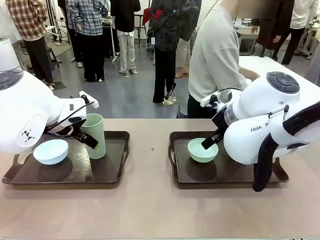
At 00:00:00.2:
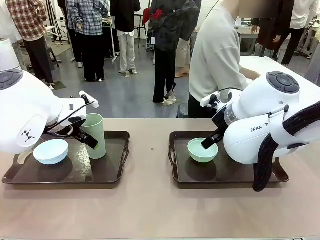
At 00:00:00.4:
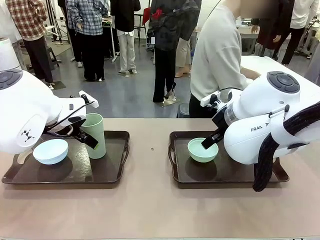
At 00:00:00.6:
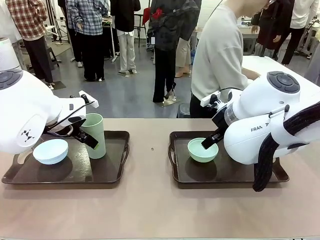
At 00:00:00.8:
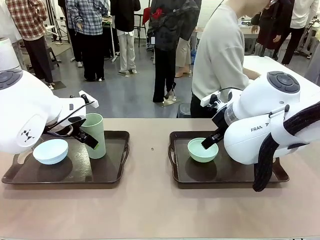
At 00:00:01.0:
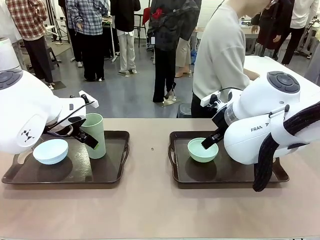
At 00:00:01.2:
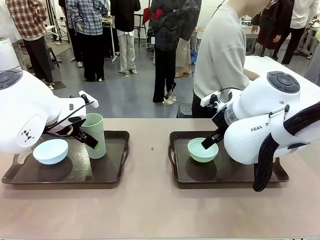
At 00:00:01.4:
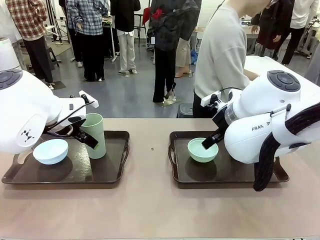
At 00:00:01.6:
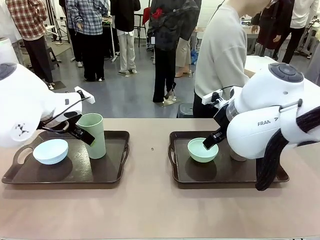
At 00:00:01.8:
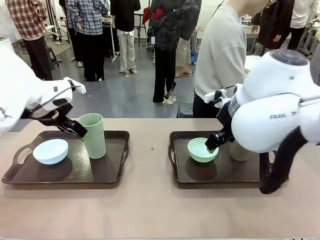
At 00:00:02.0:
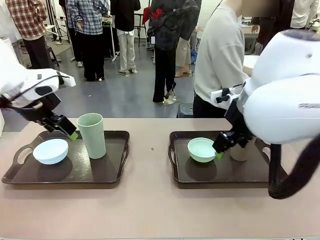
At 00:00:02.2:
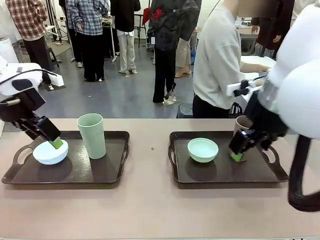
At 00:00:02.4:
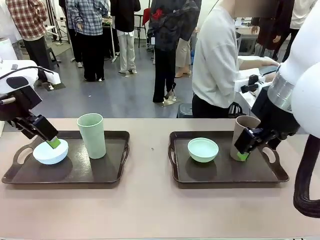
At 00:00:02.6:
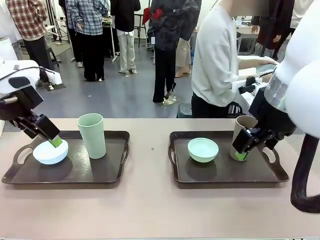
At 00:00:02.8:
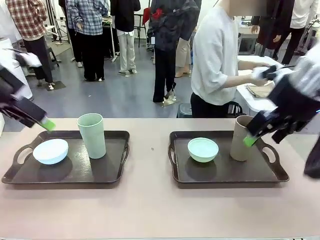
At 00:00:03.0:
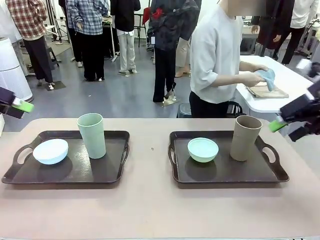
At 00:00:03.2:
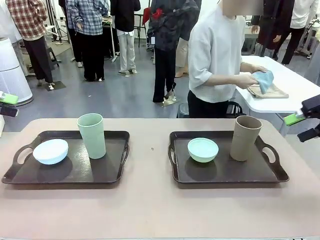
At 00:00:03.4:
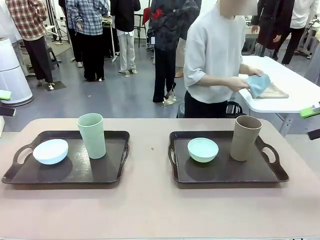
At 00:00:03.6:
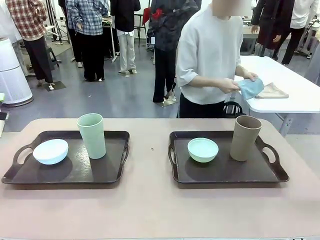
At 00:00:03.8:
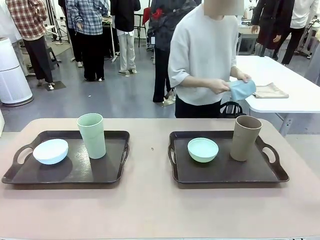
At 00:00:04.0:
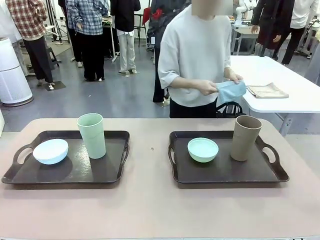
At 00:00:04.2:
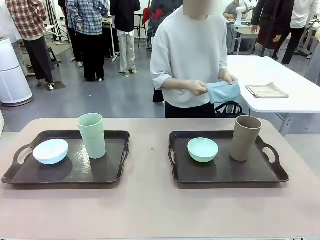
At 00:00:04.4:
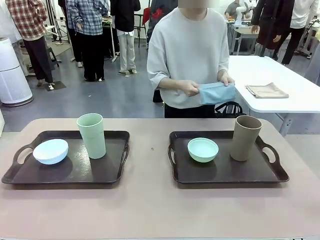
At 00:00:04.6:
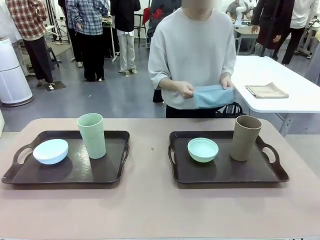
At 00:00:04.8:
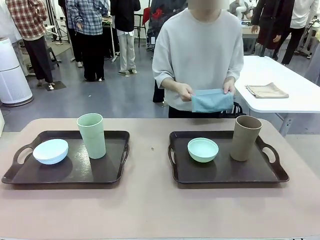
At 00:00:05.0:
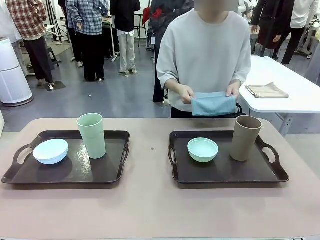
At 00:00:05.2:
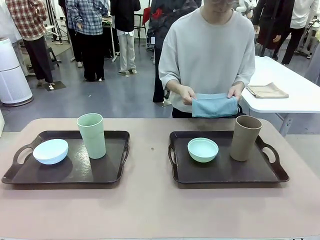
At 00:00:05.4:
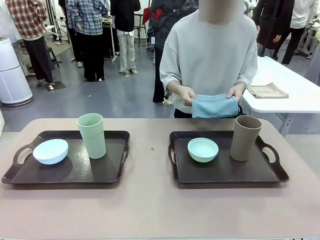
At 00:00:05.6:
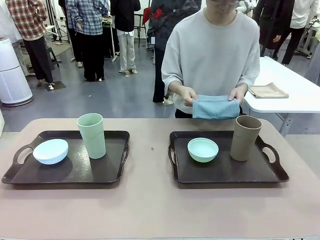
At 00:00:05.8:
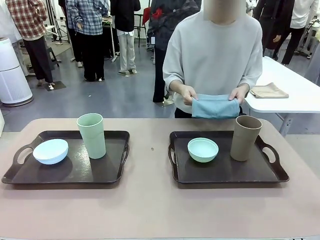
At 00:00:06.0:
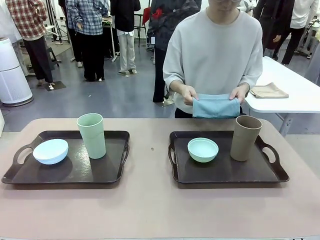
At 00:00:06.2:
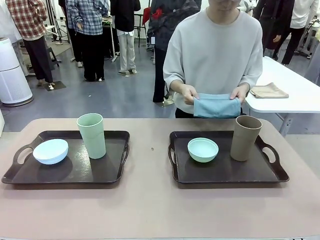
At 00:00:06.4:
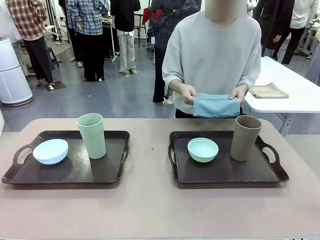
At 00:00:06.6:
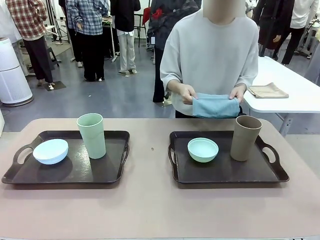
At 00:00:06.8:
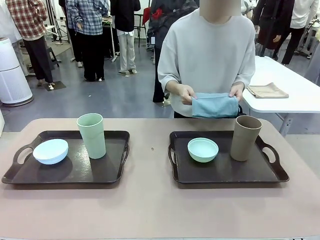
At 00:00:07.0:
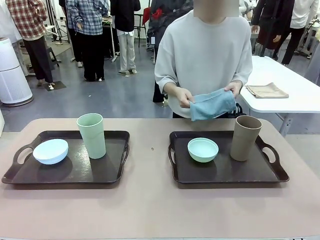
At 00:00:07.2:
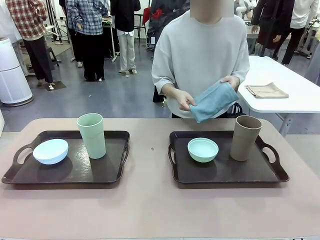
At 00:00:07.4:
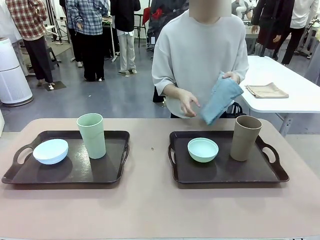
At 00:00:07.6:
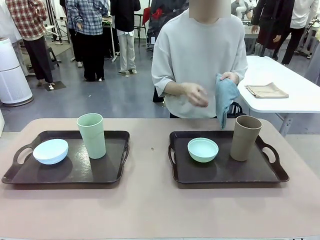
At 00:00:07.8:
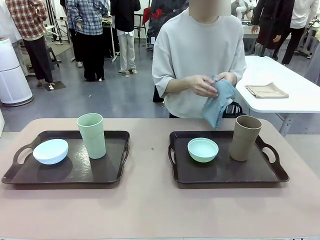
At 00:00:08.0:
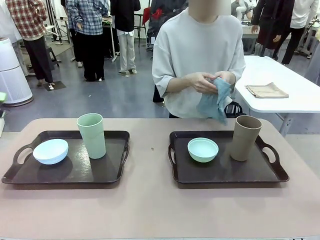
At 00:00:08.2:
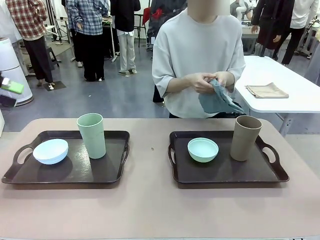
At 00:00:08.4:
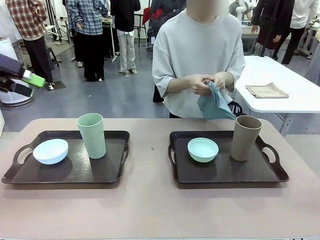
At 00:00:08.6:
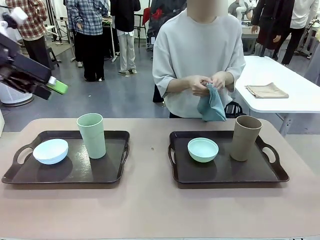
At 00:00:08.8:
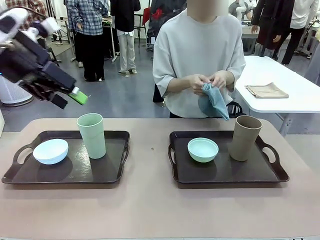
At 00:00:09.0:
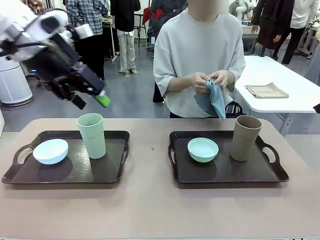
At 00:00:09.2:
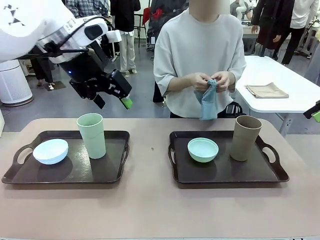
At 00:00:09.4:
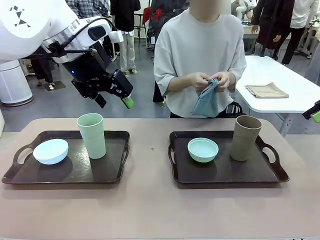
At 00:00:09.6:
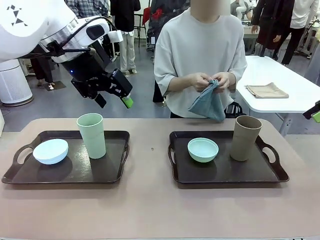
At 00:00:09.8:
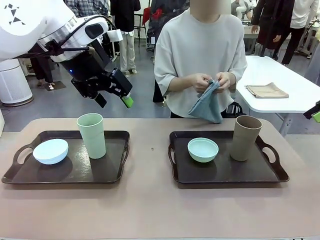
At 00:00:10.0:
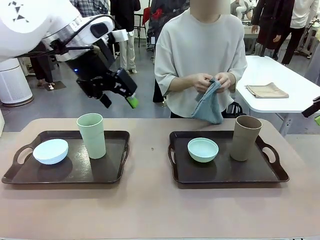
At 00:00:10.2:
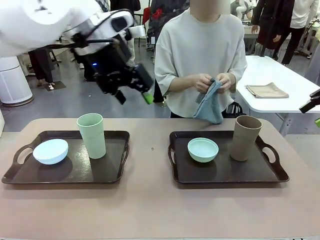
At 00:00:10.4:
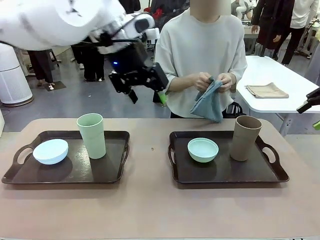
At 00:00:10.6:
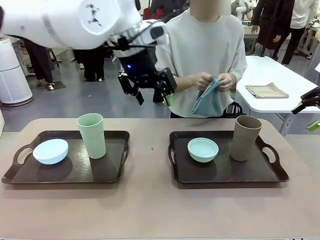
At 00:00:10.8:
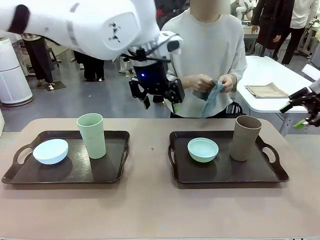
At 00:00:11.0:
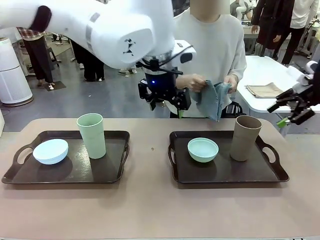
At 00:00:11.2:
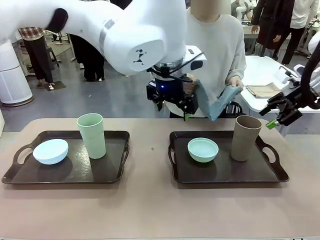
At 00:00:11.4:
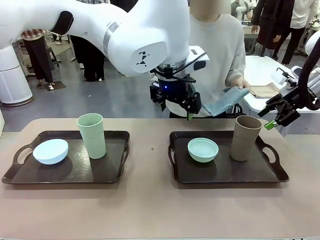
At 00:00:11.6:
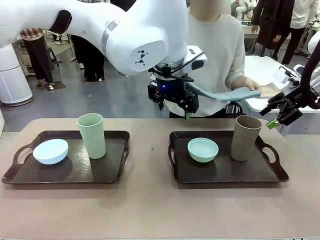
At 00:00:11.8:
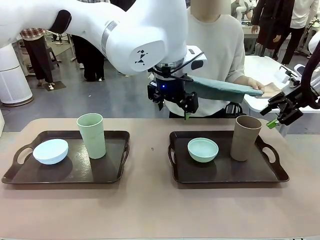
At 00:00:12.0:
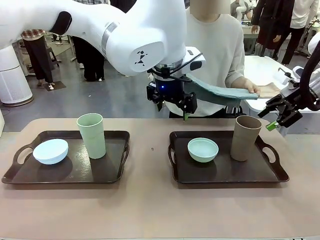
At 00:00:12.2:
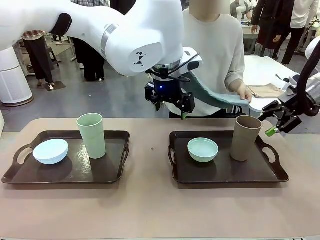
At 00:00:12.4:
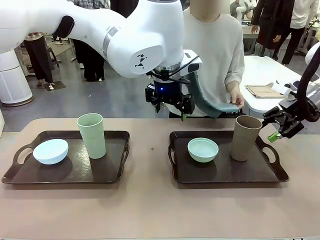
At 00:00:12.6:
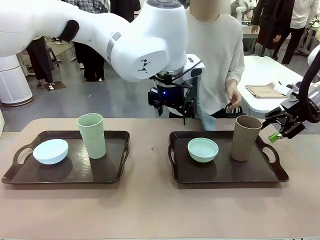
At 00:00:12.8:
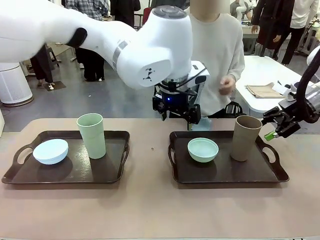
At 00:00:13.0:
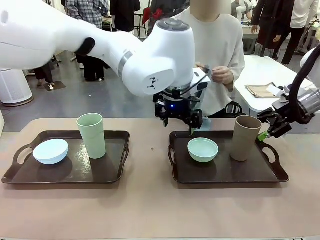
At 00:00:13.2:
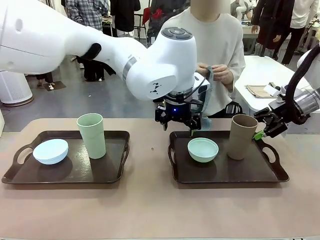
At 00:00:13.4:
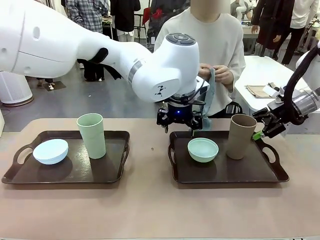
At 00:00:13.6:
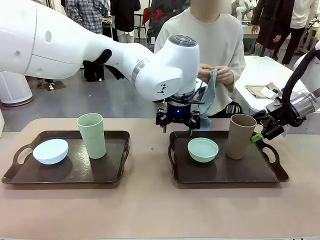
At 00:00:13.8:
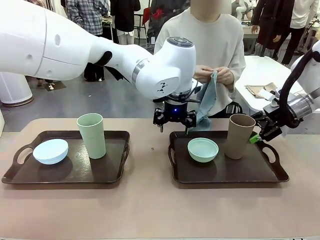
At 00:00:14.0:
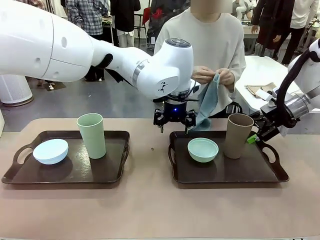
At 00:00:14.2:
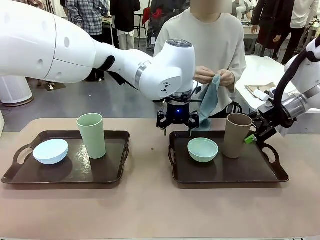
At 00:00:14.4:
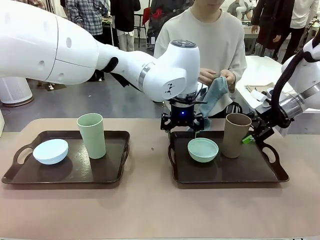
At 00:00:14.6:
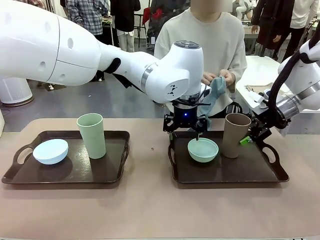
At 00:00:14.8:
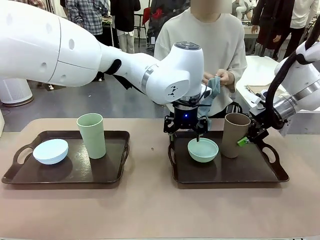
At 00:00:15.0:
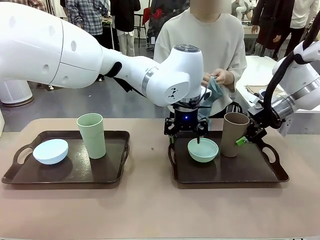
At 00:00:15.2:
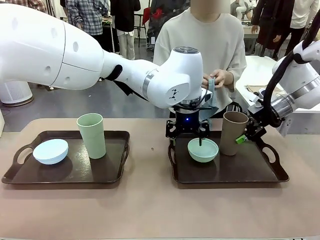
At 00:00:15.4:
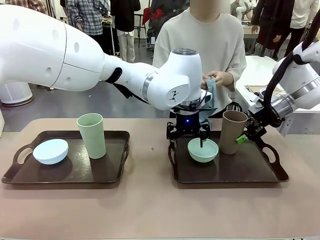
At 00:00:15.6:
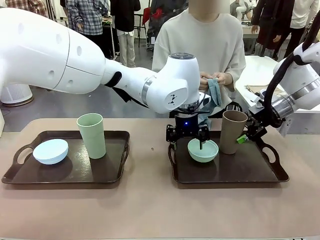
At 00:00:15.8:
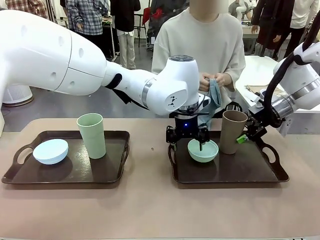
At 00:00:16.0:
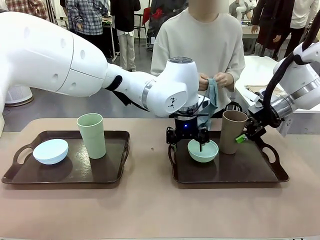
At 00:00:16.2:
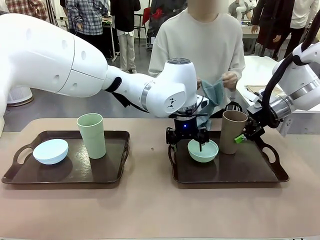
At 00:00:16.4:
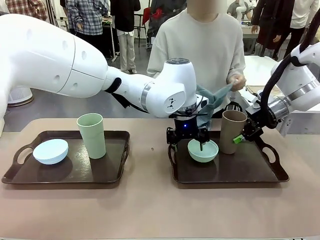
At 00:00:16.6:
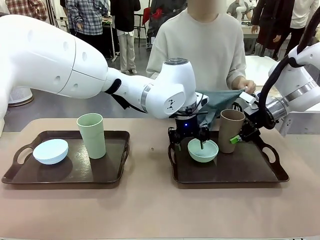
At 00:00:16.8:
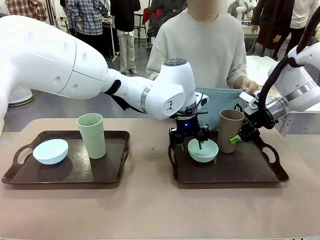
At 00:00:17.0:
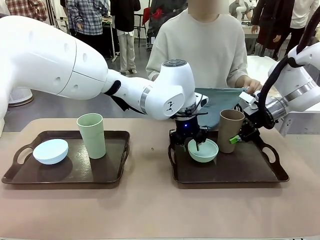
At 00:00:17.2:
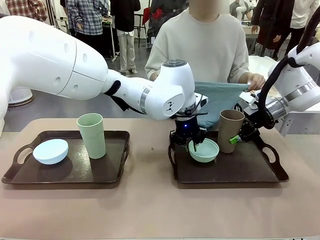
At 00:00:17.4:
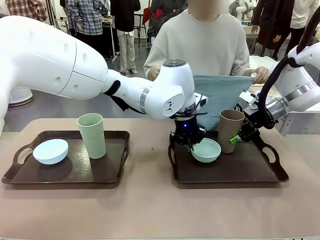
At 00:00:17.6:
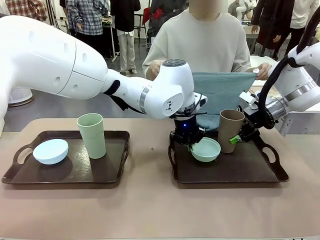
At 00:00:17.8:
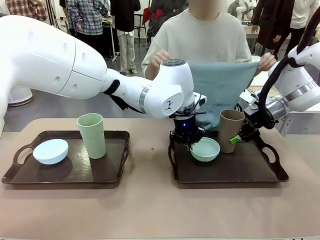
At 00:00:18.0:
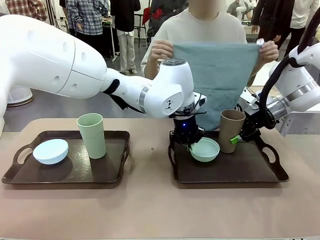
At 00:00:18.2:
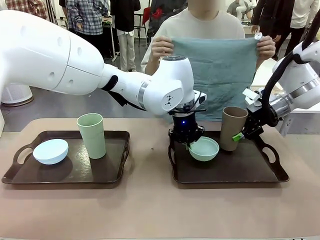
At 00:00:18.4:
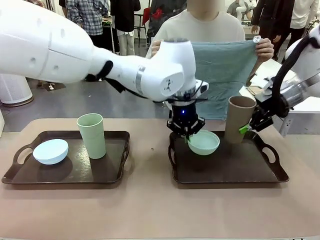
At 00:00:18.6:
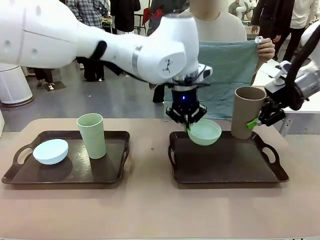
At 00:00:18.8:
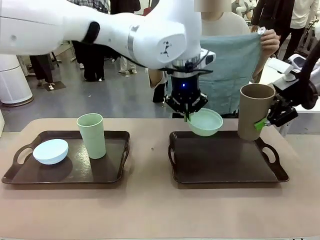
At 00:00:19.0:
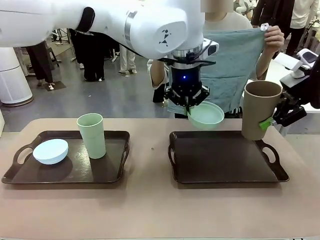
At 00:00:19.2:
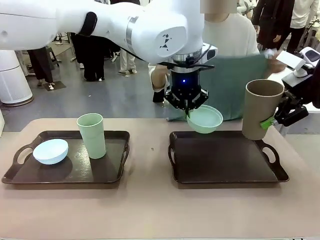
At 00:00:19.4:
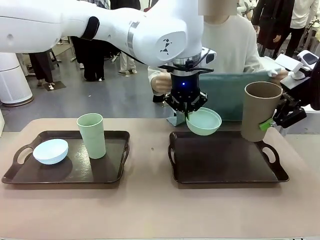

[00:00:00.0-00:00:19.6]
Robot: Pick up the Picnic Bowl and Reusable plastic cup from the Handle tray in front of the human's position and hold them in the air.
Person: The human picks up the top napkin from the stack on the human table and walks to the robot table to stand in front of one of the two trays. When the robot lifts the bowl and the cup, the human unfolds the napkin and lays the napkin flat on the tray.
